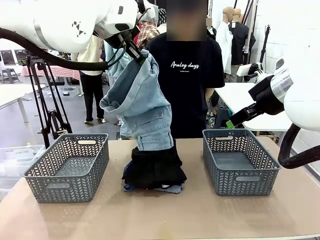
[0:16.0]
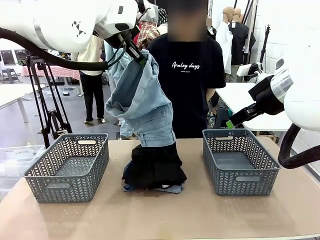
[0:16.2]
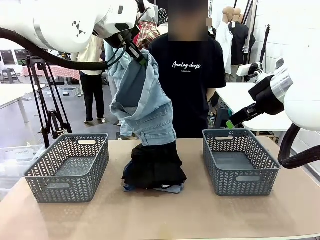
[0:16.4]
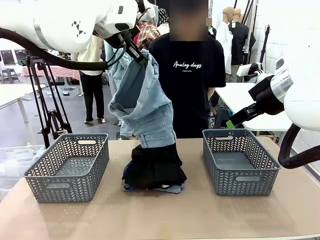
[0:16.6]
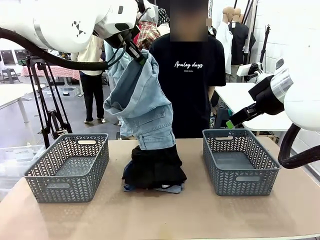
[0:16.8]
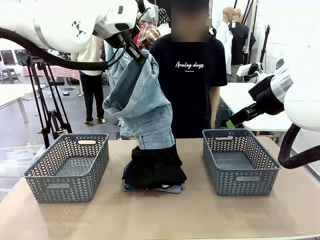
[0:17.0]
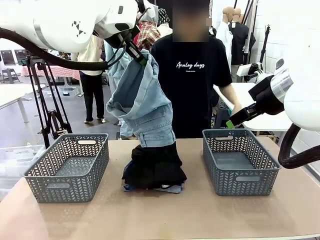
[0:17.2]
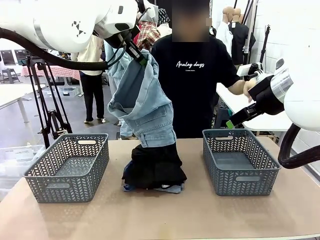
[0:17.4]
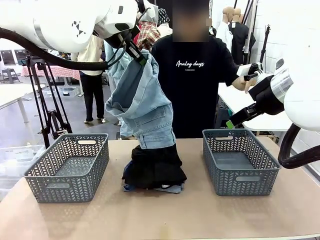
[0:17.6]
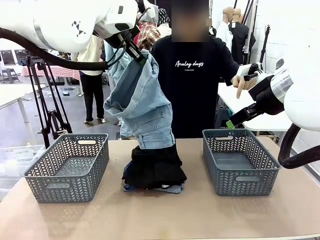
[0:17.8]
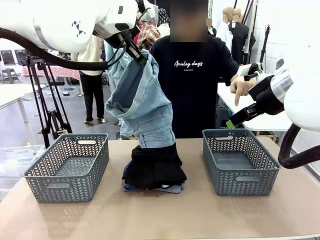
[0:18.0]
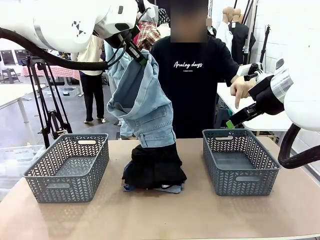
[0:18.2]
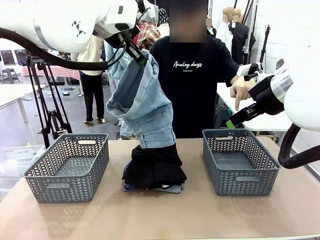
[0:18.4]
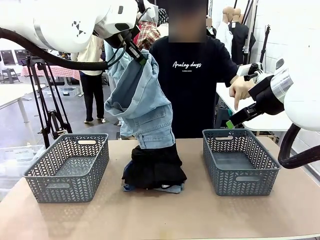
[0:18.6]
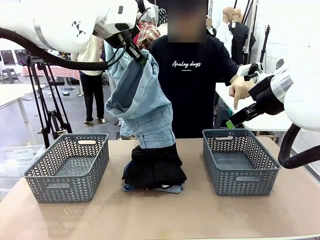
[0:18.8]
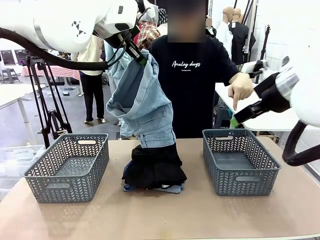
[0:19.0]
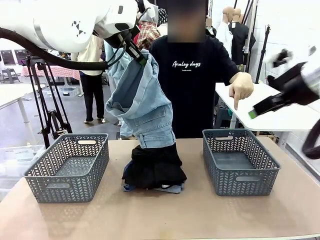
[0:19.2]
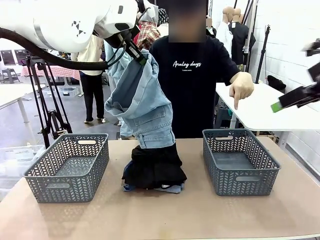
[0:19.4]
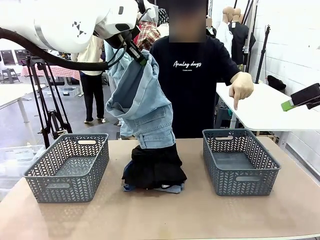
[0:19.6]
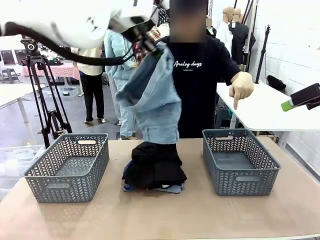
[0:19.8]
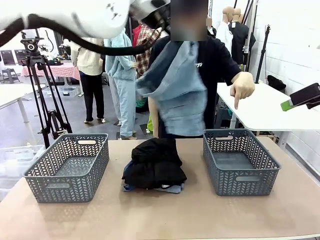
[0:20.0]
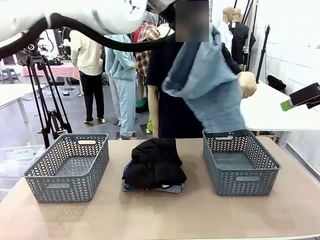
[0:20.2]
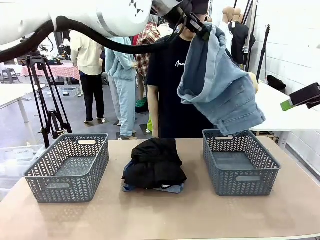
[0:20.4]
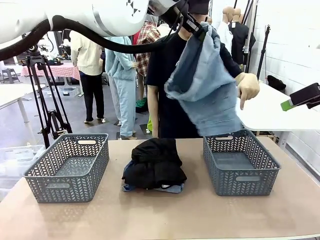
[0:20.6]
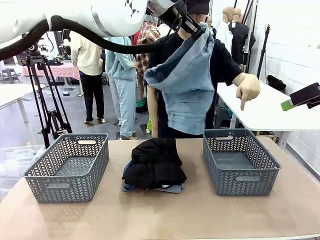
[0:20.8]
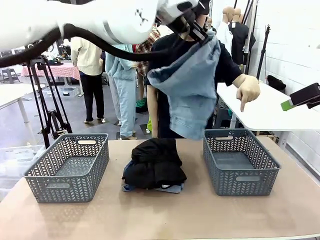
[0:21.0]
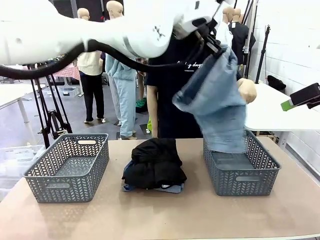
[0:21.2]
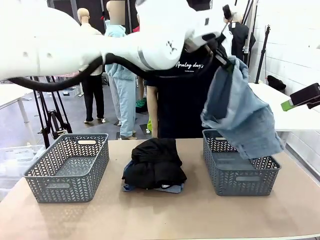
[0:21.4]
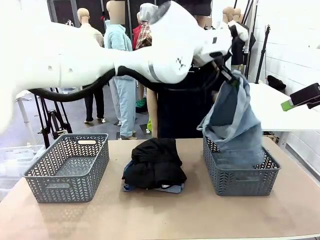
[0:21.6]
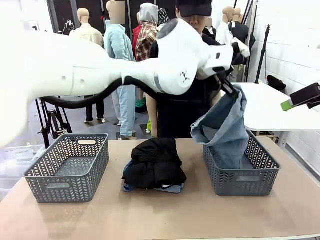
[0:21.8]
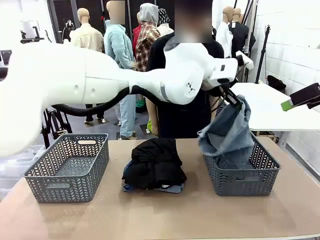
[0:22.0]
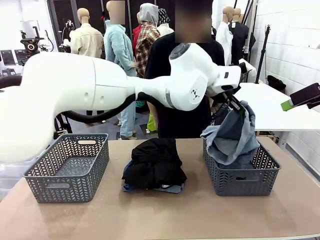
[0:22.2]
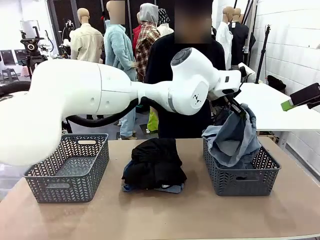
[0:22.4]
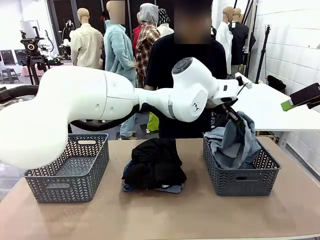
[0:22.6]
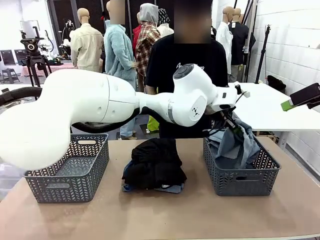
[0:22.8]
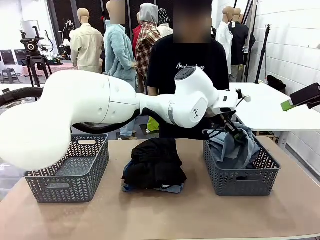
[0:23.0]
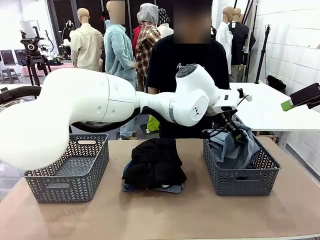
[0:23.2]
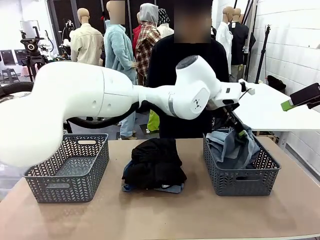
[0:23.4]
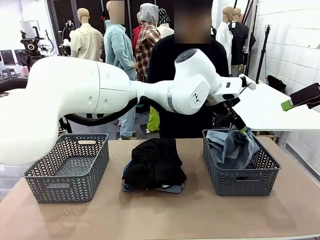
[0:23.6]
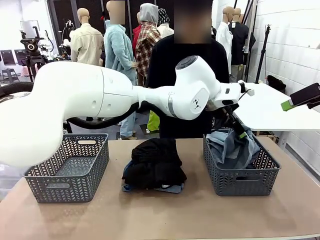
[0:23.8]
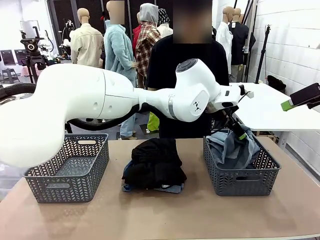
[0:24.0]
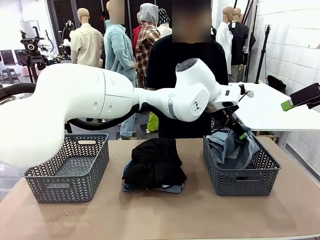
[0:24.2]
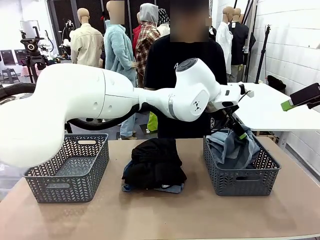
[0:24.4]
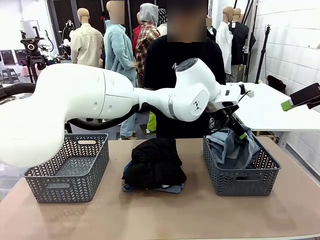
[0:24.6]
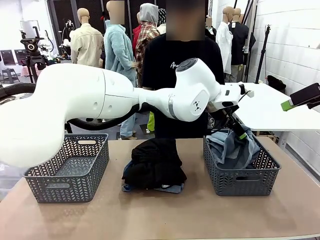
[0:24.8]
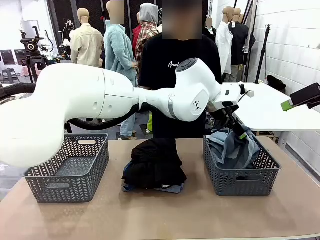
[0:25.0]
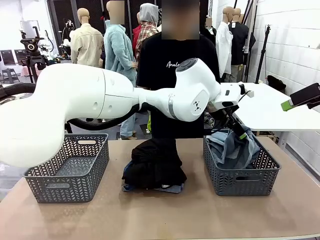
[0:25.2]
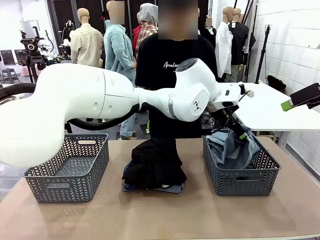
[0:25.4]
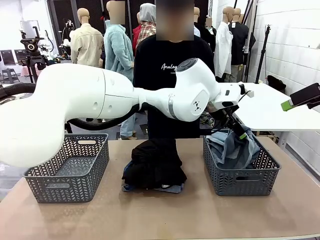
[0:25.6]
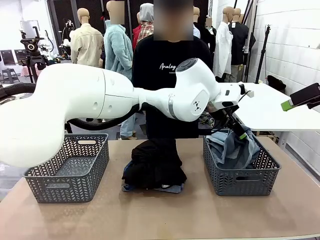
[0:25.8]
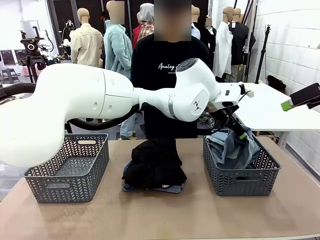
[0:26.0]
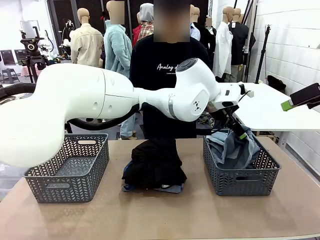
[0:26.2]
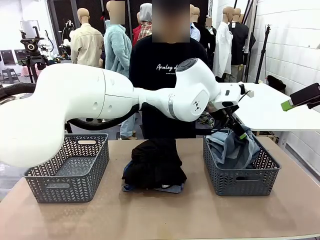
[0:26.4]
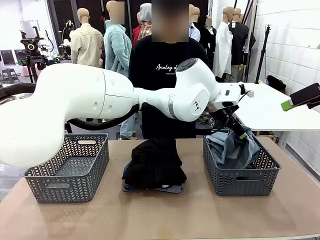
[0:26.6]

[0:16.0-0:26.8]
Task: Sort the tops and bottoms.
Robot: Sort the clothes according to human instructions.

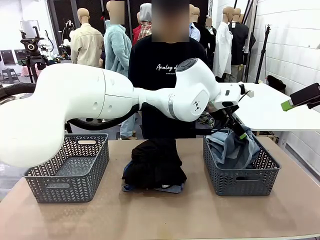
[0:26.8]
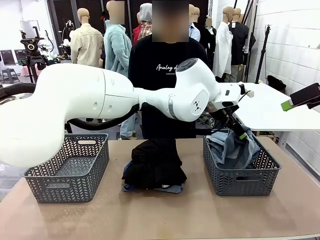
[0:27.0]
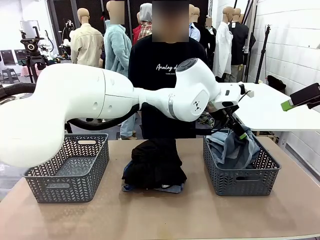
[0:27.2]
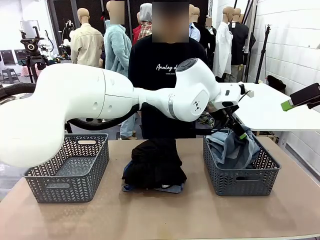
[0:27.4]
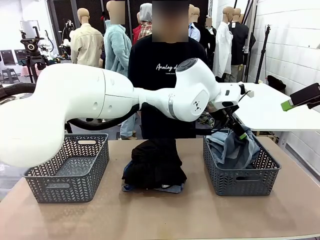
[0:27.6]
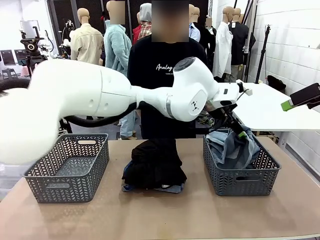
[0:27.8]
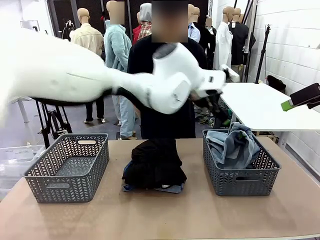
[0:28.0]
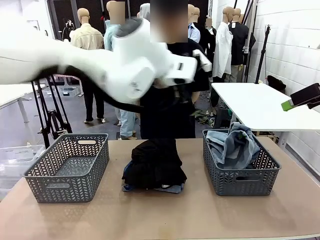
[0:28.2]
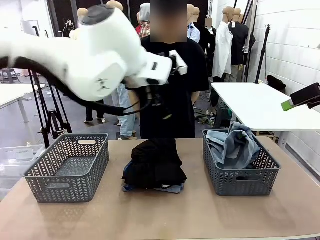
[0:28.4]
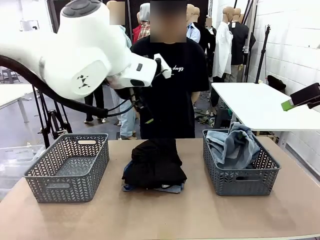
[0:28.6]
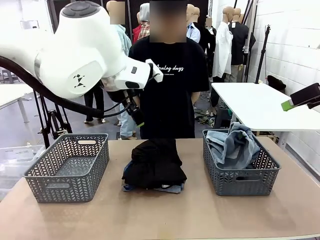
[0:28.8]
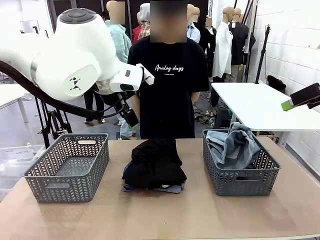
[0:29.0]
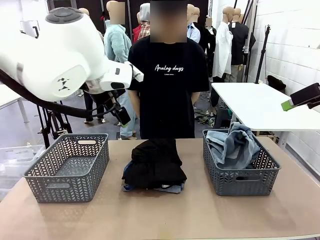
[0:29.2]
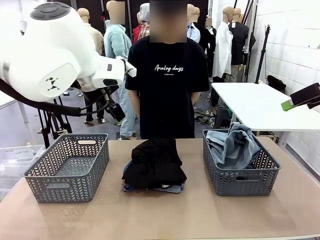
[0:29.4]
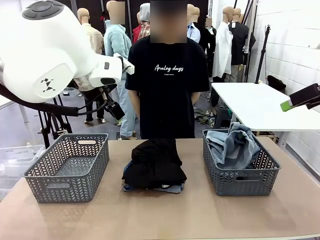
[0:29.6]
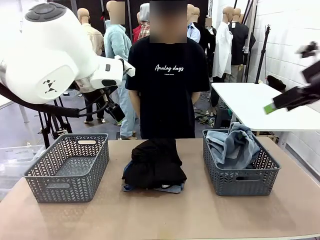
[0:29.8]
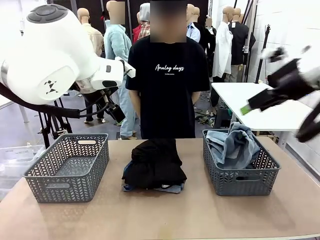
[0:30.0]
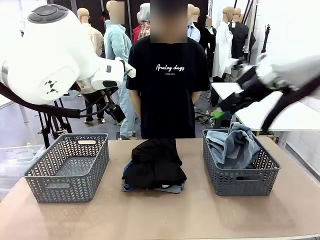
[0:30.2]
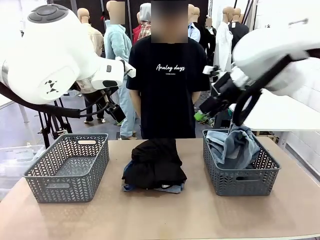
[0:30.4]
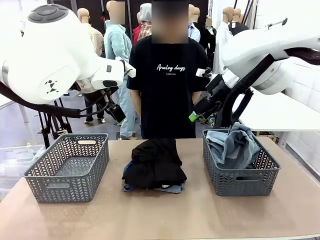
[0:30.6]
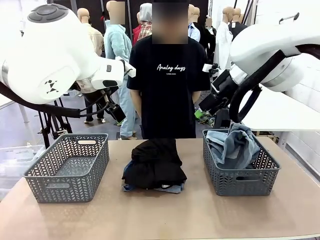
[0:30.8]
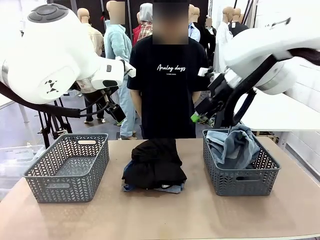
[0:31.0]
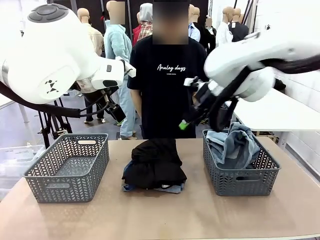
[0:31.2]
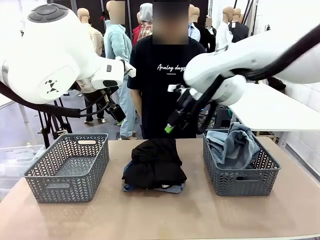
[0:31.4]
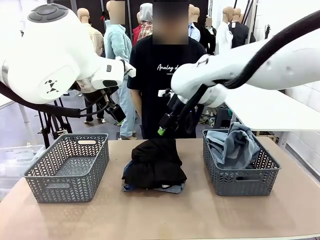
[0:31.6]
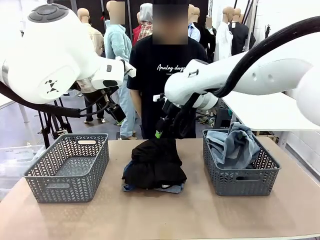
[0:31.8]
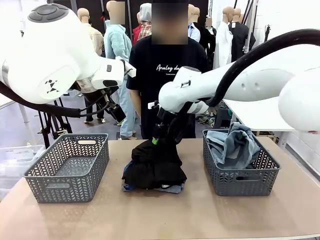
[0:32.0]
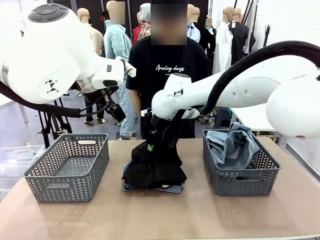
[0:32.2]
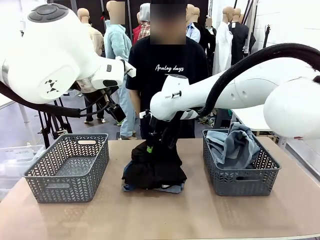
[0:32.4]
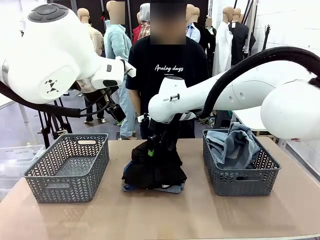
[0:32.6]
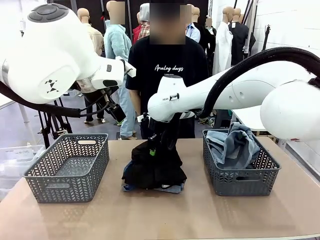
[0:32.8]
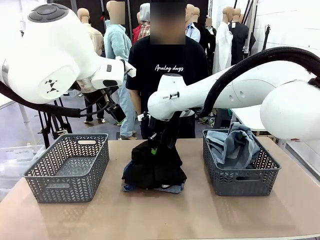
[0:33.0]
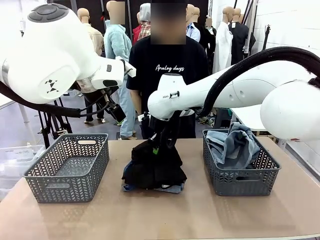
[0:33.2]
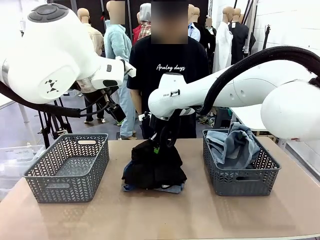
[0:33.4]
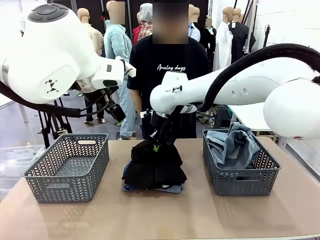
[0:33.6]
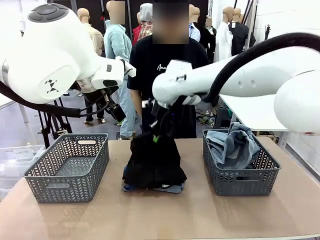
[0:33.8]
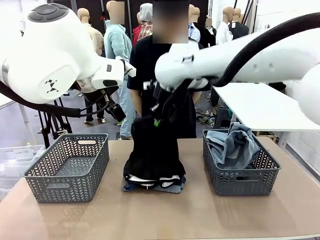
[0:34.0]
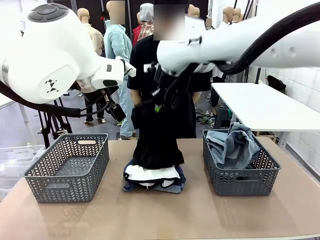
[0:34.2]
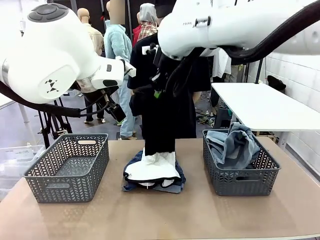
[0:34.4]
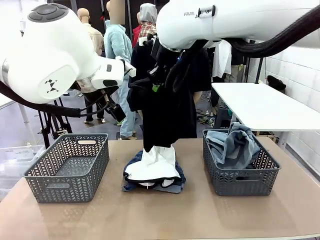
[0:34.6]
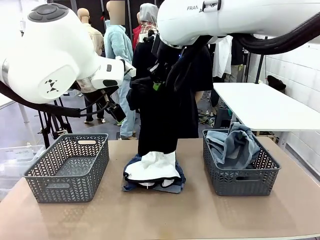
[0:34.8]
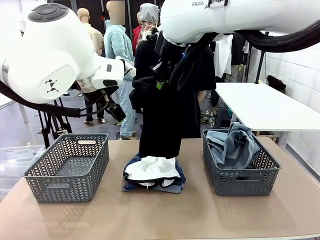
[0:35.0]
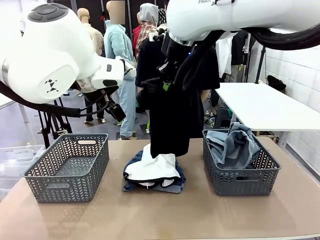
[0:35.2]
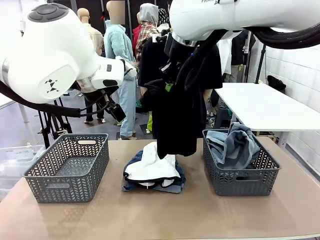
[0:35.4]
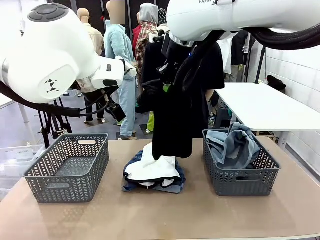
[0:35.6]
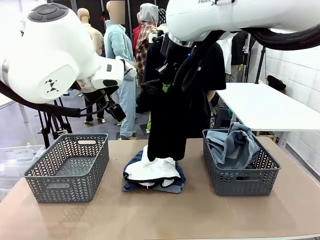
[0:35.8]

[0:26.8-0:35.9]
Robot: Lift clothes from the center of the table with your right hand.
